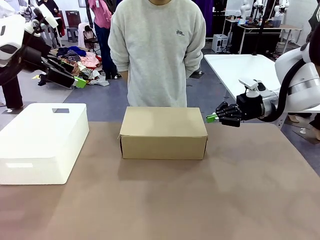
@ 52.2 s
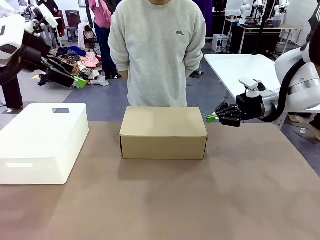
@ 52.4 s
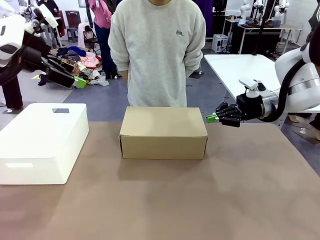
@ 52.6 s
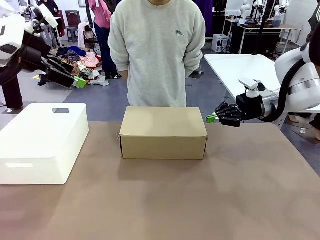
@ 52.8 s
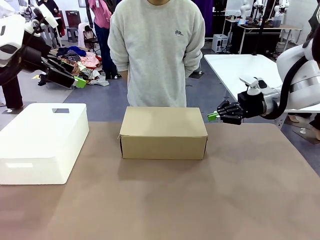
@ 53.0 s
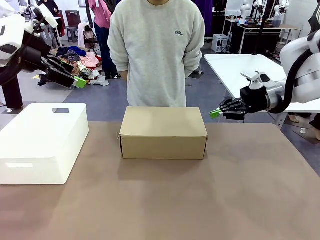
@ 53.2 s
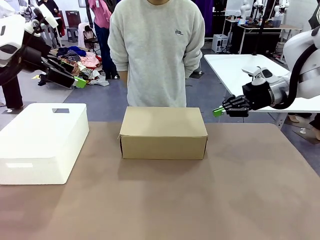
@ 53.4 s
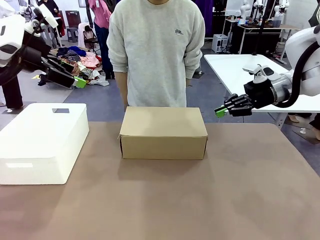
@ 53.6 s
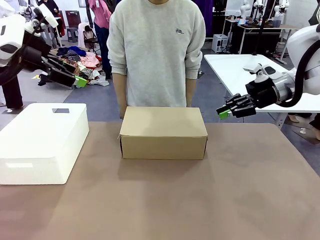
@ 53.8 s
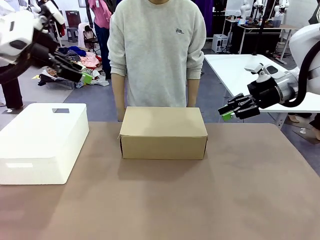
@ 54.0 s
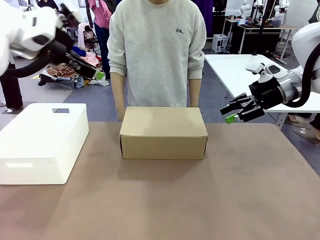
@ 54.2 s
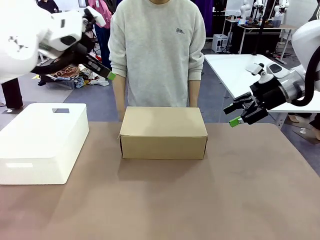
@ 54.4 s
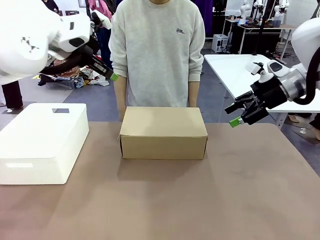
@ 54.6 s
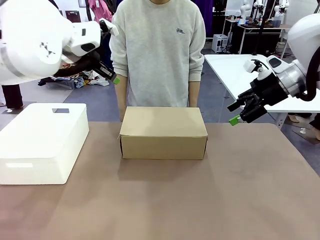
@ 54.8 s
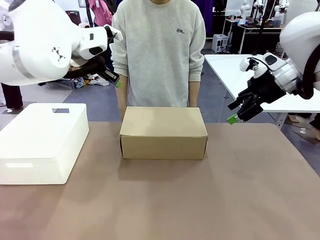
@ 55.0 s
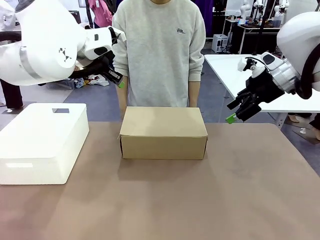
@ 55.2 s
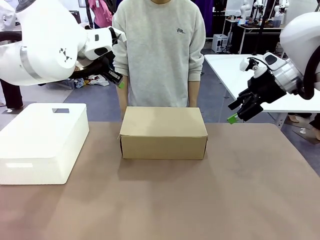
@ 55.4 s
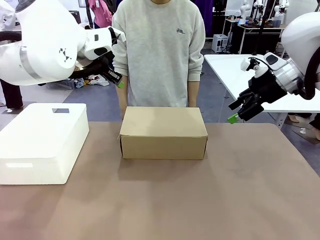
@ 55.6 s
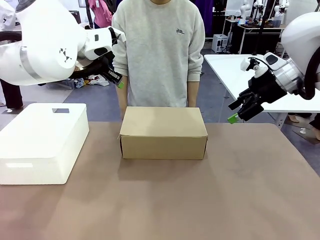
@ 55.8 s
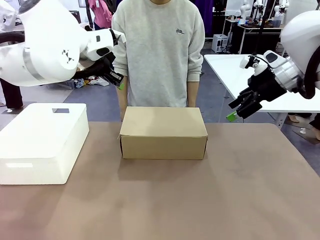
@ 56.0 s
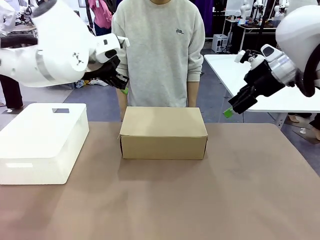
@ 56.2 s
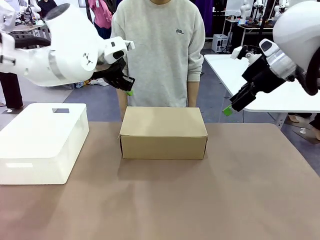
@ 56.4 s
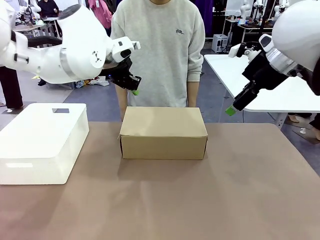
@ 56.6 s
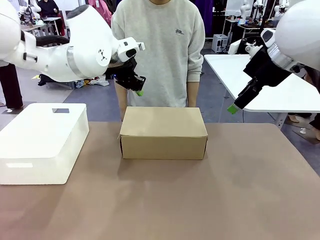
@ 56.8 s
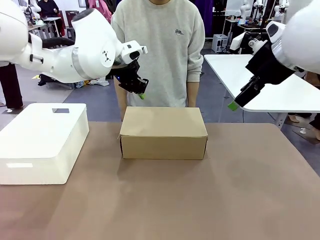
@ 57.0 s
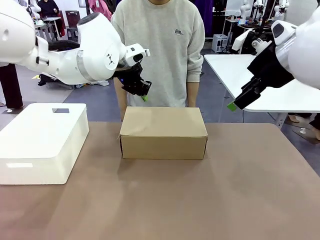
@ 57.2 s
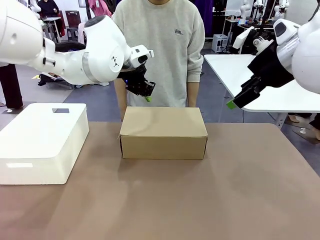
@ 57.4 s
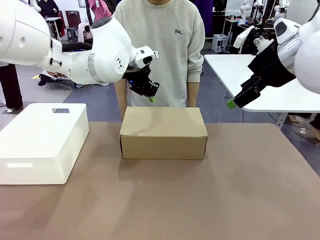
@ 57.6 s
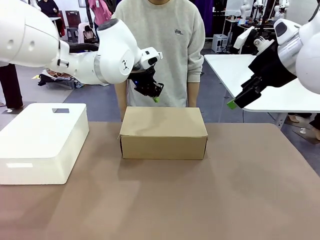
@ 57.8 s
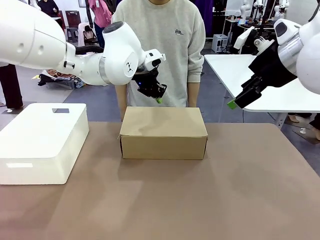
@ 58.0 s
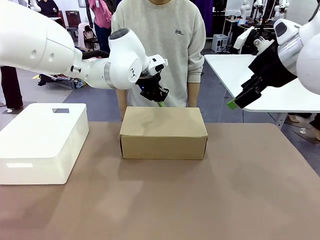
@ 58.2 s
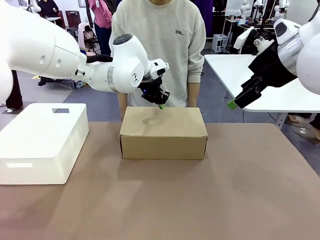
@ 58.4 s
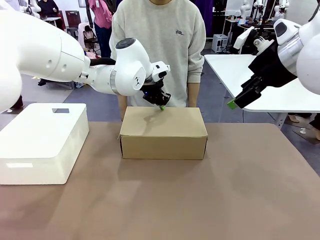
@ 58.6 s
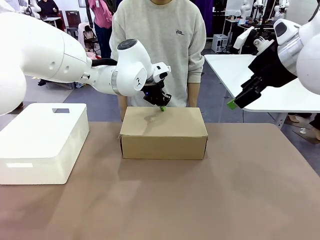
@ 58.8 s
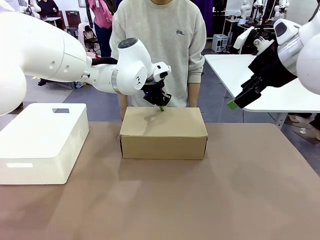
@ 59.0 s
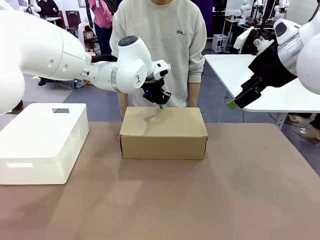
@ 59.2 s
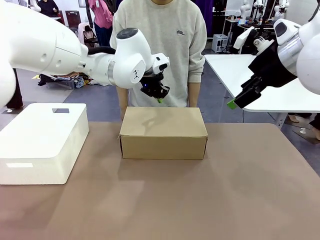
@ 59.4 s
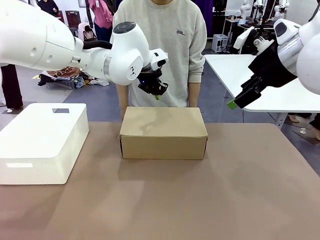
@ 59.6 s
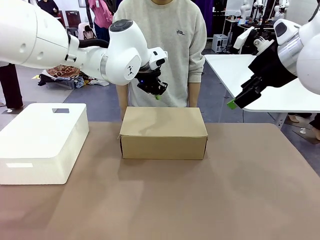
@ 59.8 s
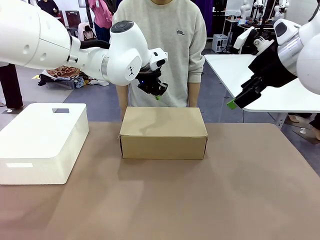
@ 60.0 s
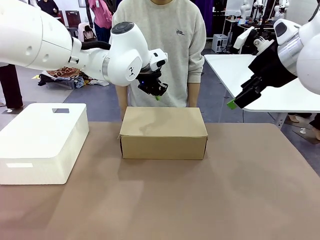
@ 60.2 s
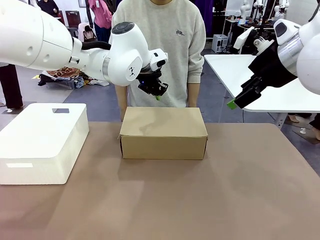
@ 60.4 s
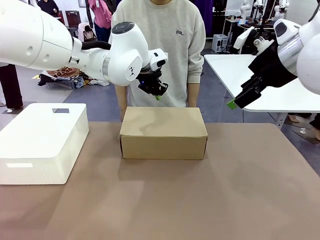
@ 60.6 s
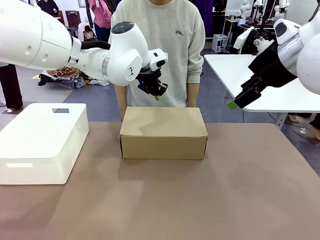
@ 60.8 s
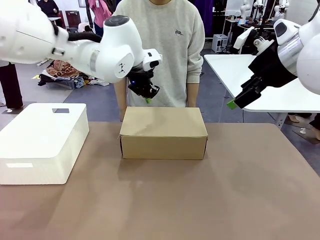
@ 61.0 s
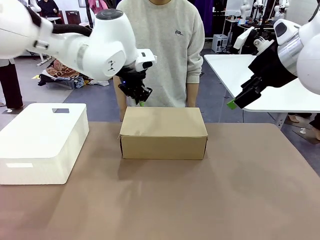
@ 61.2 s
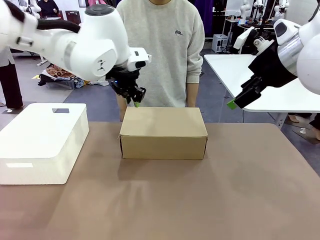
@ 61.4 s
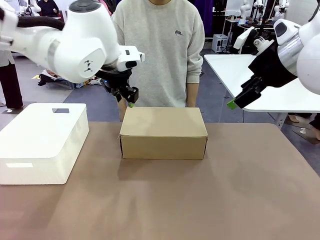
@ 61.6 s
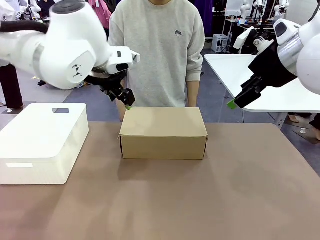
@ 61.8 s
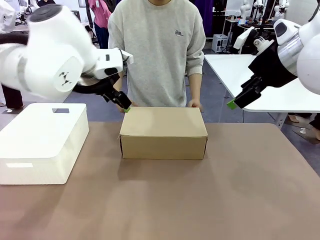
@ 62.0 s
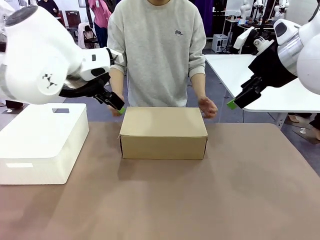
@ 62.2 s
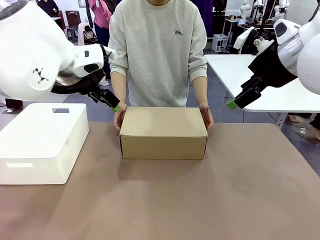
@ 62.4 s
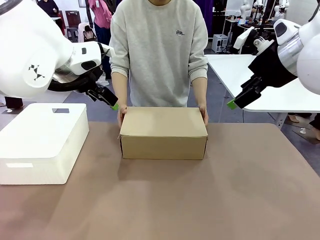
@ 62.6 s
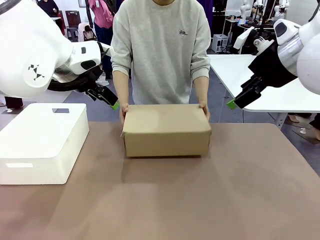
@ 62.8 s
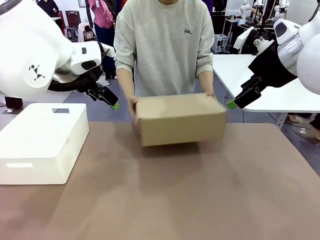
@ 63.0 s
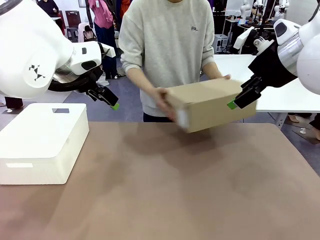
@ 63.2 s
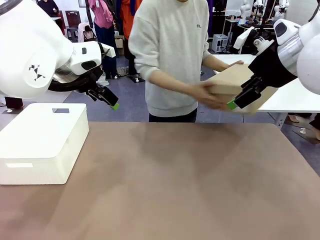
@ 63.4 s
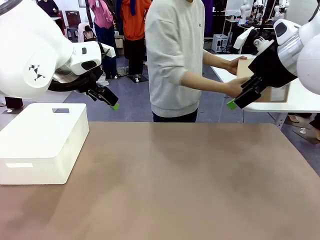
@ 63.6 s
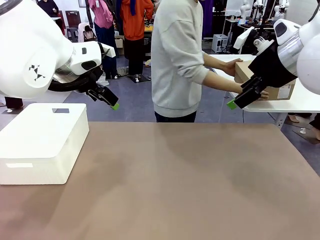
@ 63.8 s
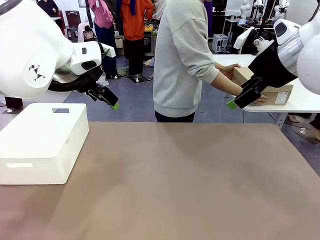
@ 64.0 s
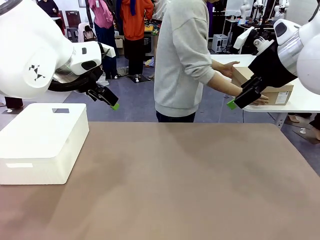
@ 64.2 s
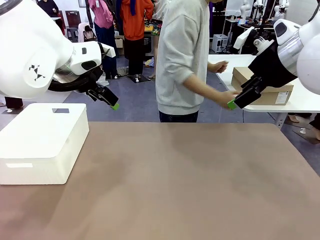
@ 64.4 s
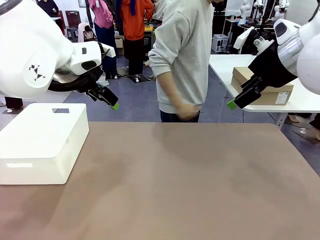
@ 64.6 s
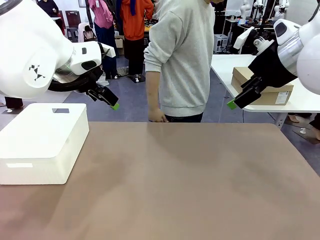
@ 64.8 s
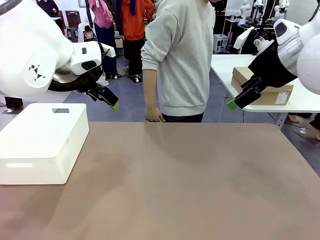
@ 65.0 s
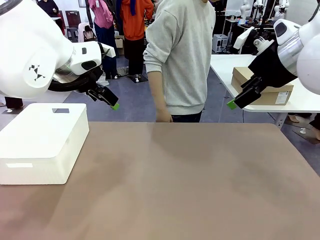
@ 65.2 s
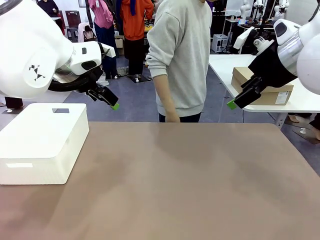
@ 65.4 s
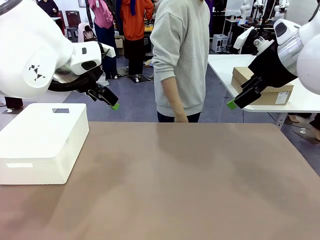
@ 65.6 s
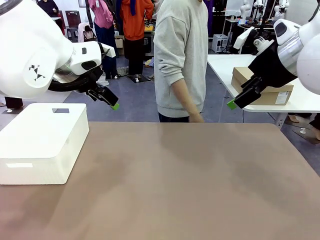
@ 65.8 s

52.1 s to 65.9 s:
Task: Pack the shoes into the box.
Robot: Press down on the lid of the Shoes Box.
Person: Place the closed Shoes Box to the right side of the human table.
